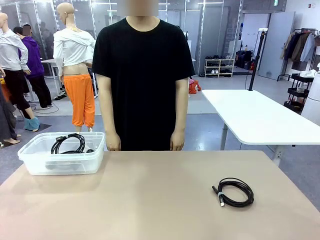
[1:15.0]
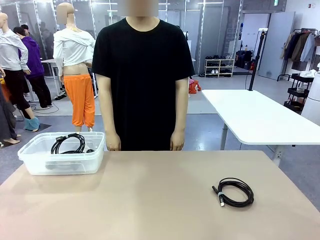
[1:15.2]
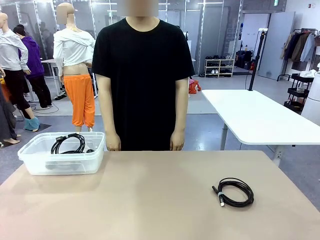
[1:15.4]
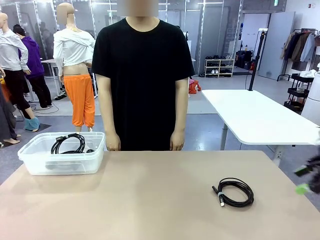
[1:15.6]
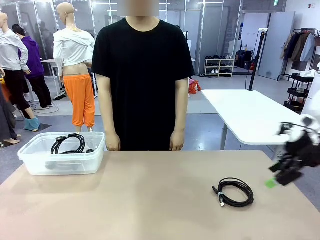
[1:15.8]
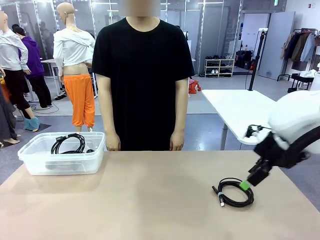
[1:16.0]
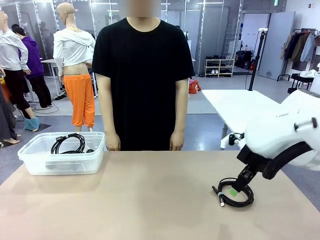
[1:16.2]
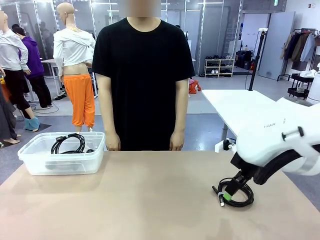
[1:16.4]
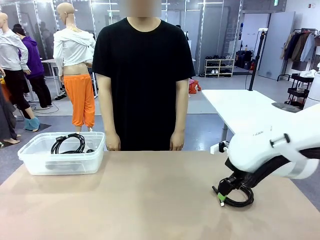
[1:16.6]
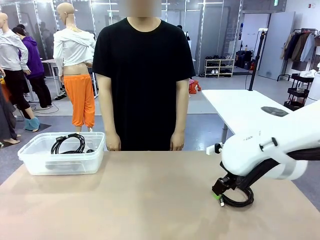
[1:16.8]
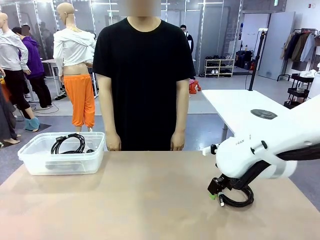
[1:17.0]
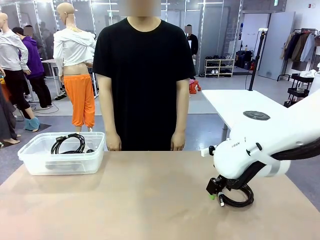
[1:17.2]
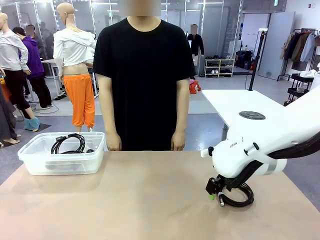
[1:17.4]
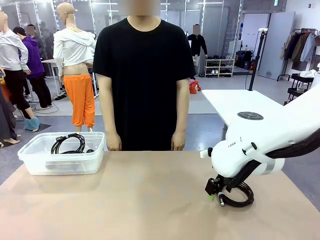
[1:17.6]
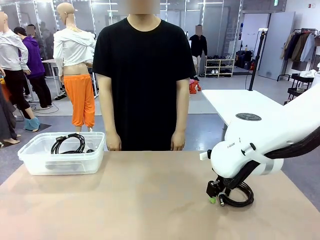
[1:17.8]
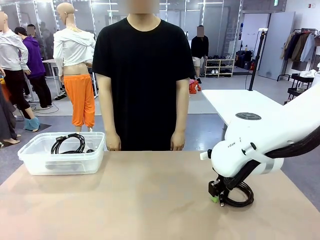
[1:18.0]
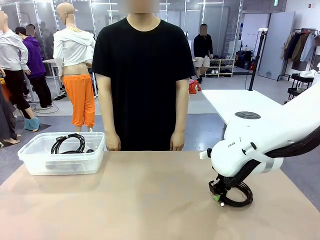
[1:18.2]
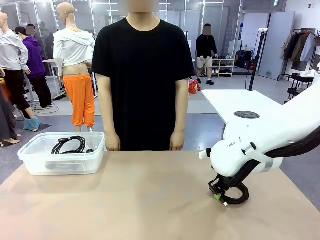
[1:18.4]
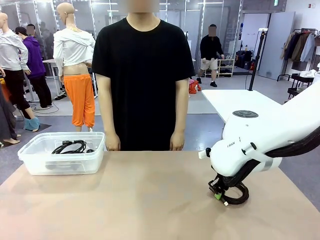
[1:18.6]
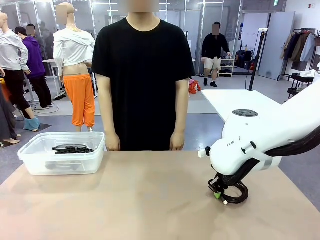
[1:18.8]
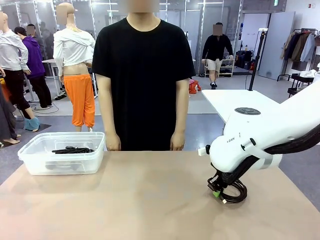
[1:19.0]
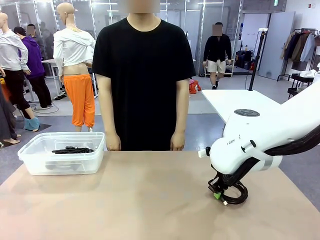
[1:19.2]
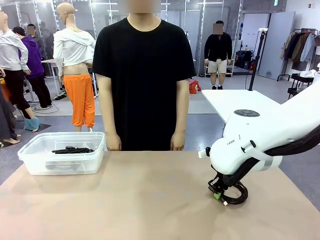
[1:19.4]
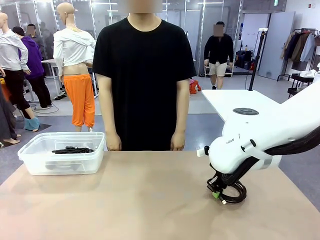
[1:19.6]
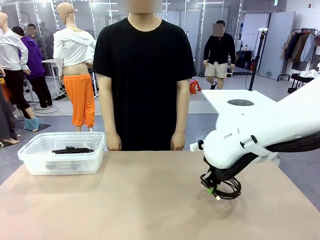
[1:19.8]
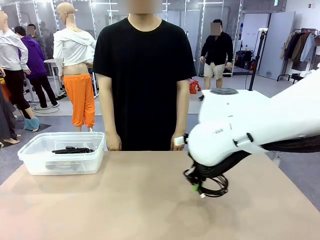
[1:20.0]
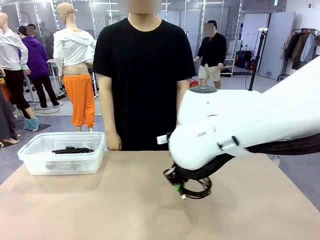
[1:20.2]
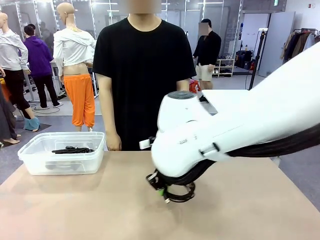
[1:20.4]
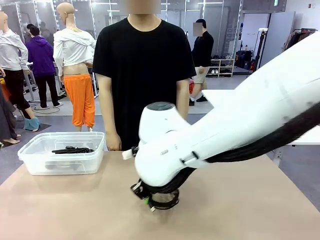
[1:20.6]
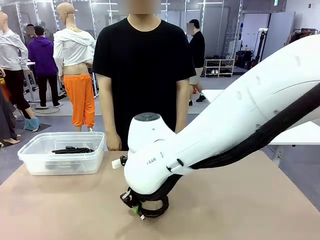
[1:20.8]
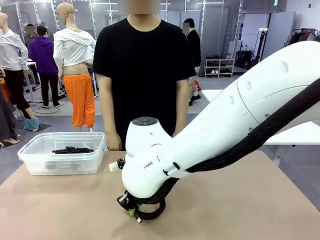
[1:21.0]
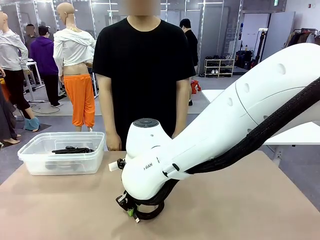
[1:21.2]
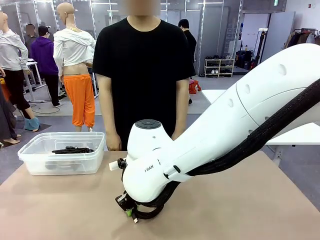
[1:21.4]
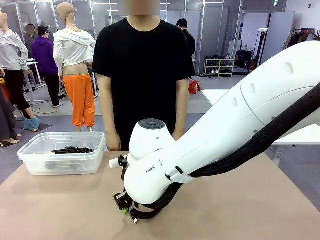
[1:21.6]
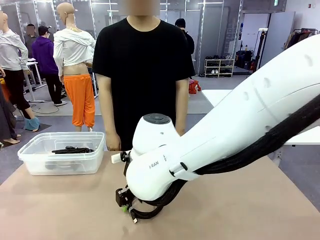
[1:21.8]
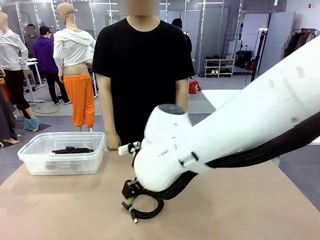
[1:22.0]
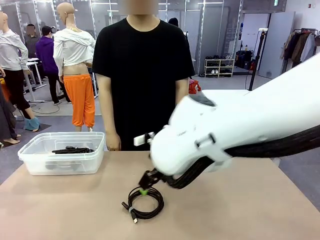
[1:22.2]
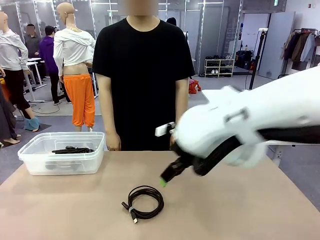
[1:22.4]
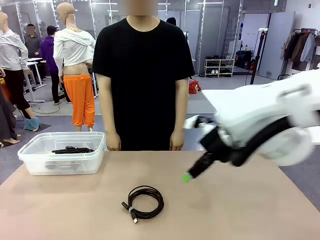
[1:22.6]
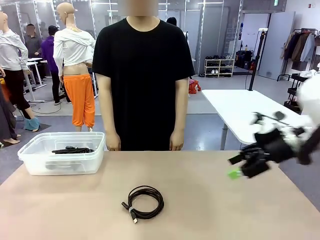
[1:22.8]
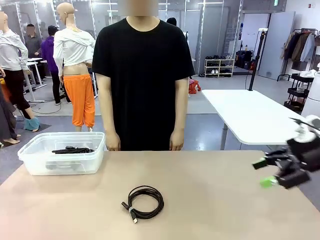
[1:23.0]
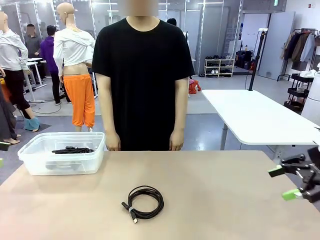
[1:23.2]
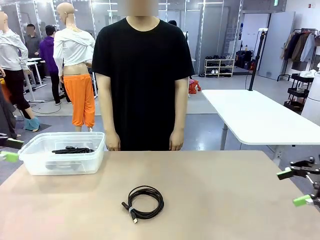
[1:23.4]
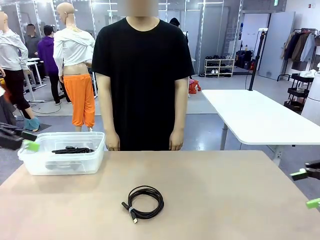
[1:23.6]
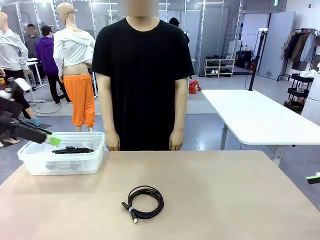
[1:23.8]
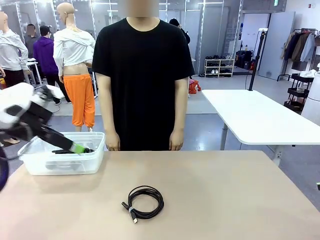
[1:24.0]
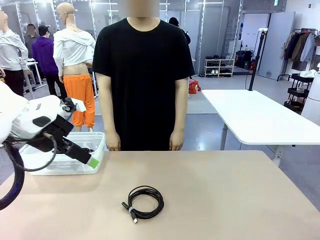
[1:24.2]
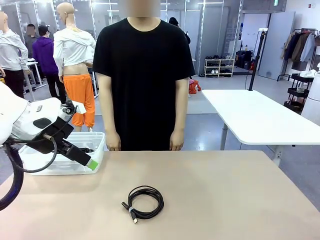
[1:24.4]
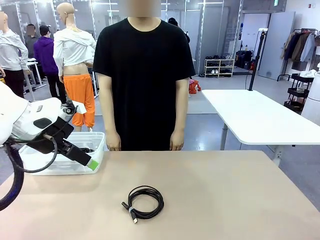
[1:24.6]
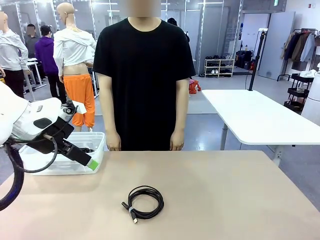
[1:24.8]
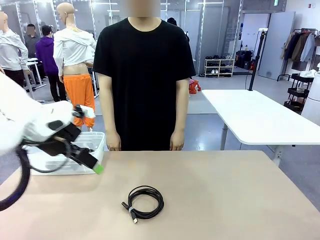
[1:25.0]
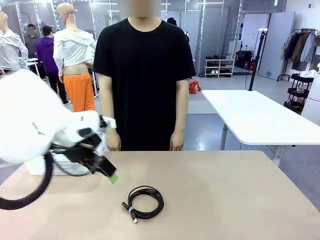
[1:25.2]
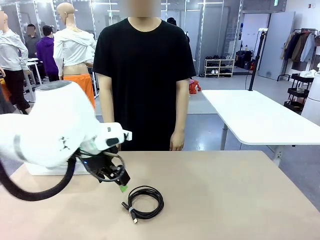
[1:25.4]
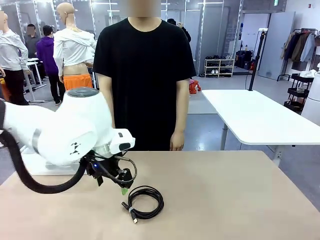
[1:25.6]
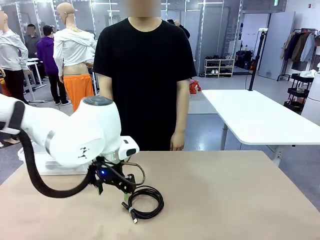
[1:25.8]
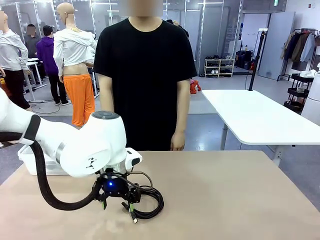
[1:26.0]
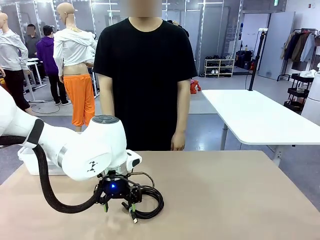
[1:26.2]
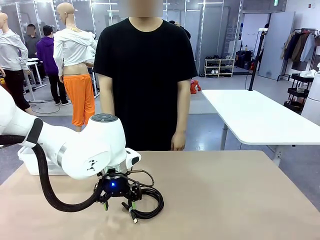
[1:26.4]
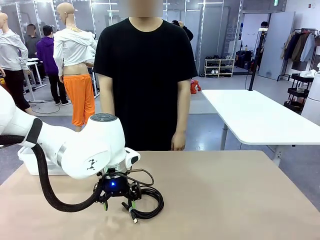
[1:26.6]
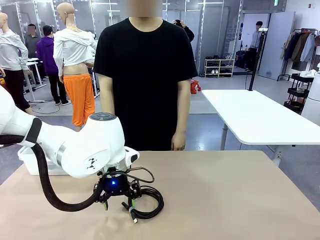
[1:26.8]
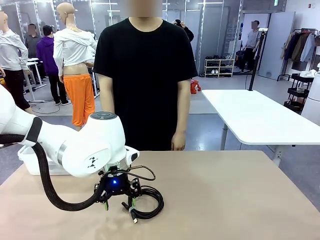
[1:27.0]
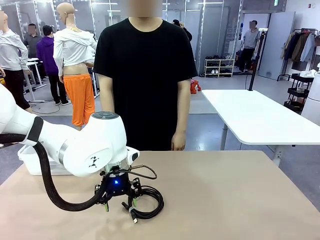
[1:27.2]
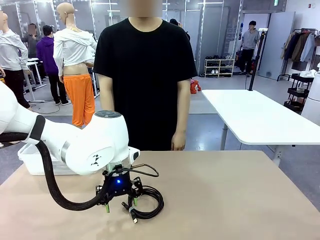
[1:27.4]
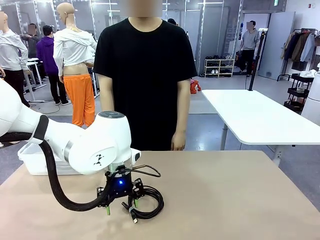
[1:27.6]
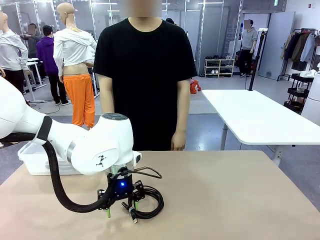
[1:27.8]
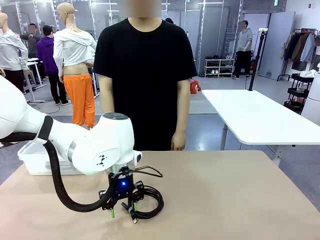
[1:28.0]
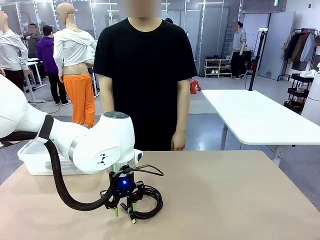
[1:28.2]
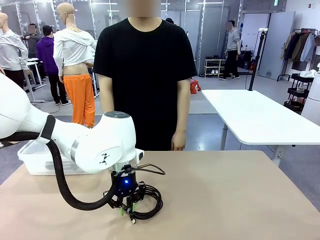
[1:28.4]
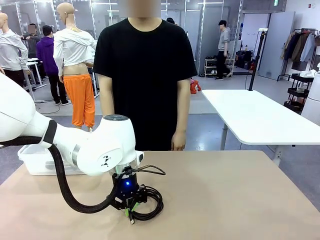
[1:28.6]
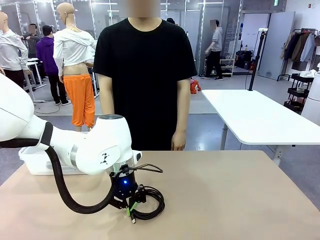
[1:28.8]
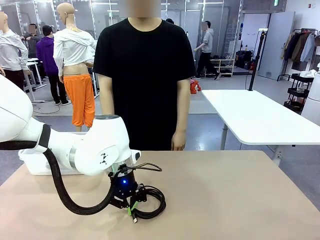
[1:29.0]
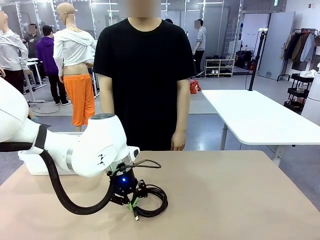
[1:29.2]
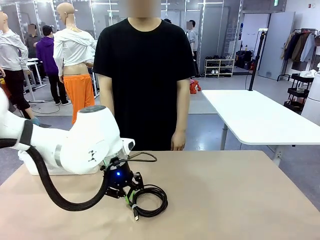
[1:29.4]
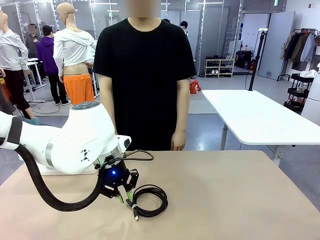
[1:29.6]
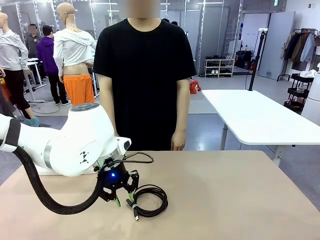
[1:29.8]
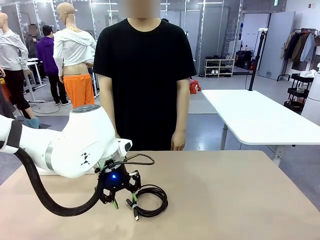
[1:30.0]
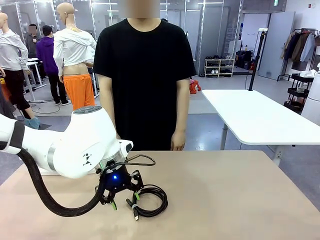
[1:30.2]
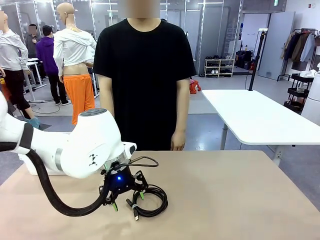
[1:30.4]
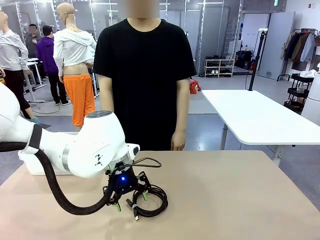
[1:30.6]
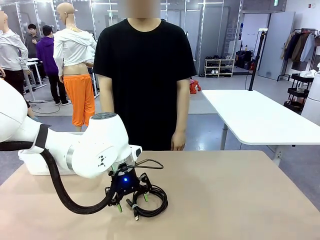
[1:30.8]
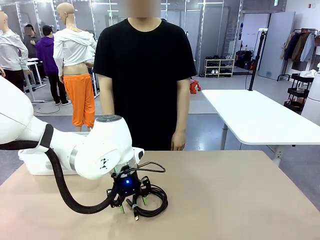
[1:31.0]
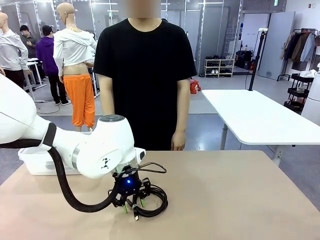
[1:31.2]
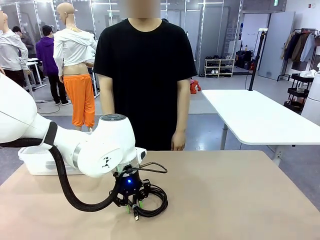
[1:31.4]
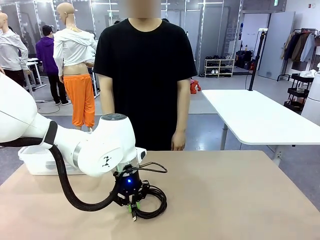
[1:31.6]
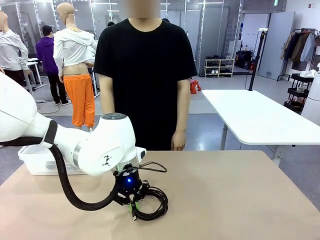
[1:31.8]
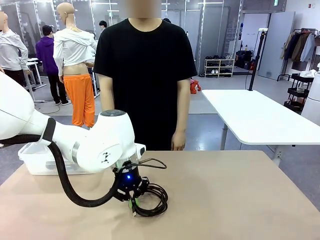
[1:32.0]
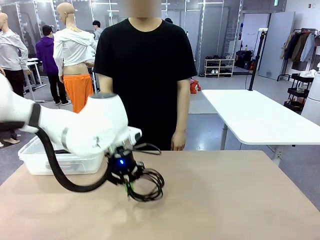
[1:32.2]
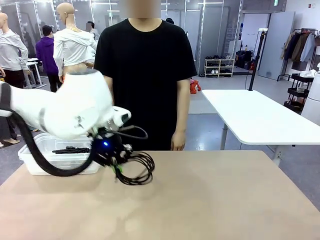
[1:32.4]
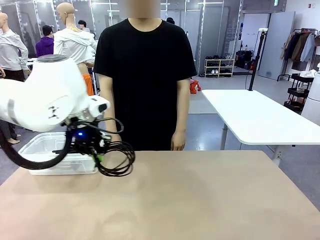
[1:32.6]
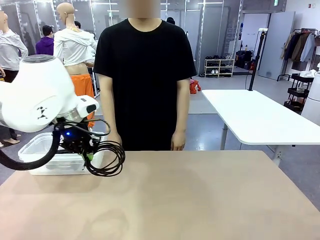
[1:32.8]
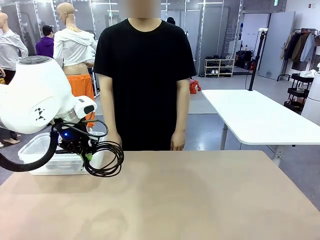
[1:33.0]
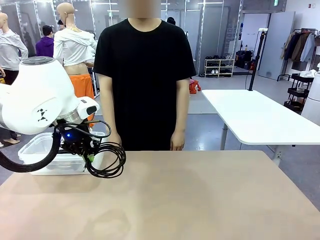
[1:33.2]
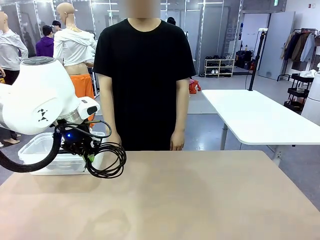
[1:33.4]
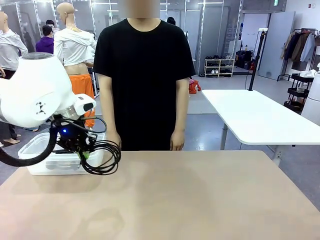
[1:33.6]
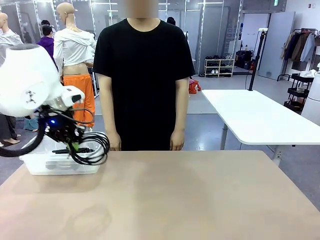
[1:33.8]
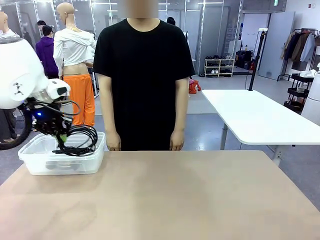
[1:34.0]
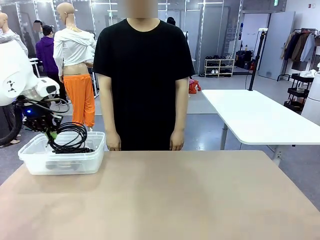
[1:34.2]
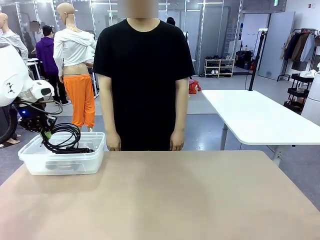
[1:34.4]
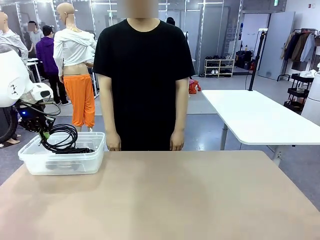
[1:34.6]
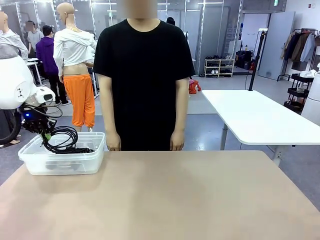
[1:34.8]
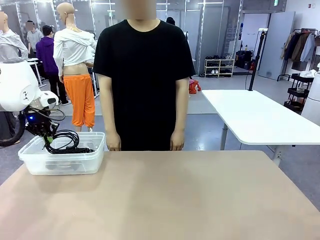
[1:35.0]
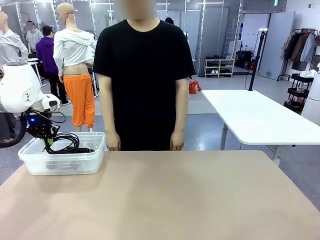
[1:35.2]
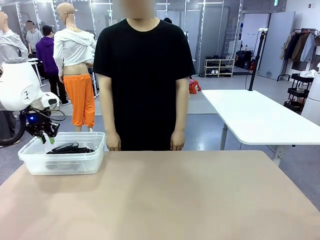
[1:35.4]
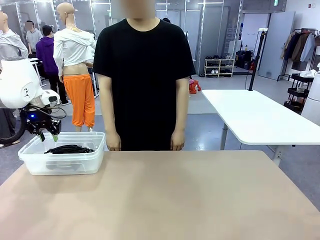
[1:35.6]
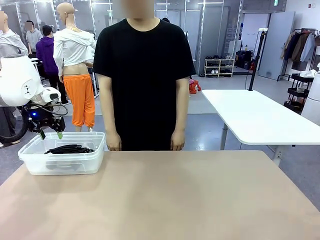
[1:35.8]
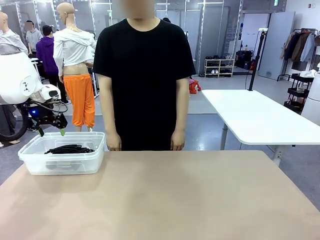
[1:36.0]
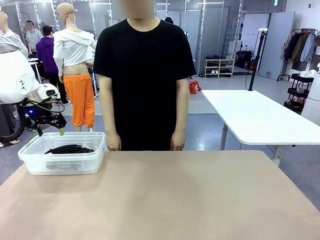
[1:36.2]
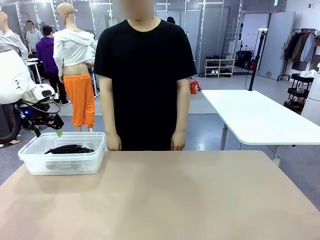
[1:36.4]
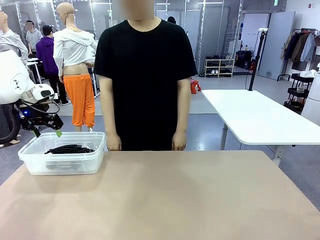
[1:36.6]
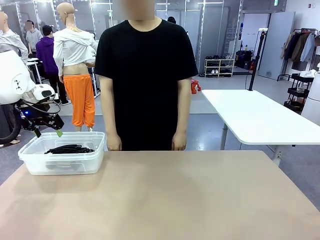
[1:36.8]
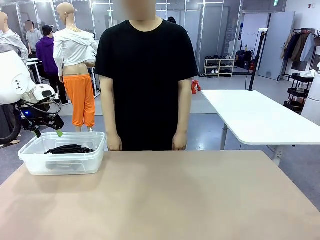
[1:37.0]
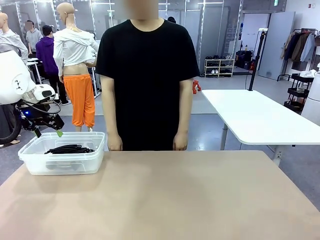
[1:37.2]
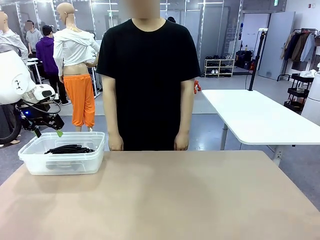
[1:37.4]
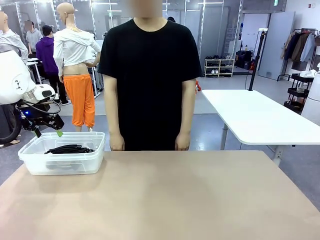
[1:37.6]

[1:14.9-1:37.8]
Task: Organize and store the cables.
Robot: Place the USB Extension Cable into the Organizing box.
